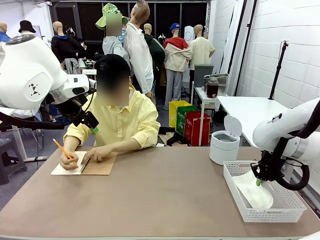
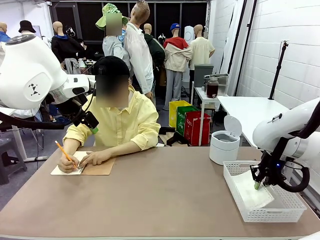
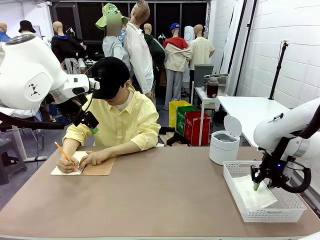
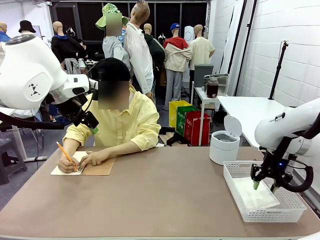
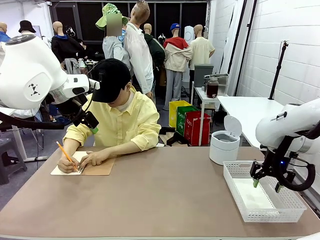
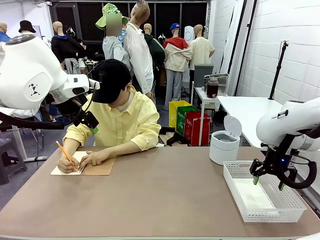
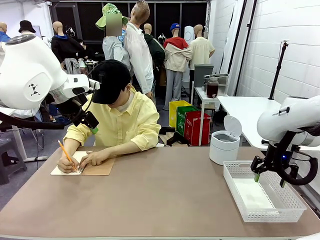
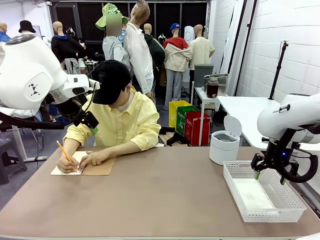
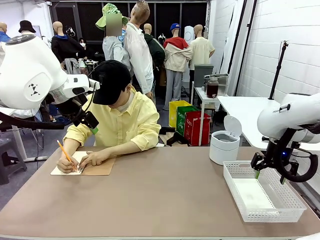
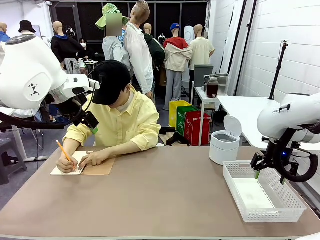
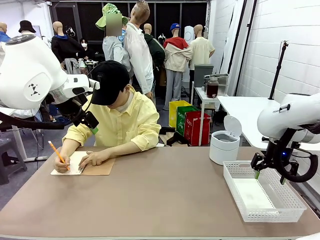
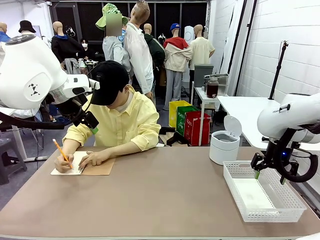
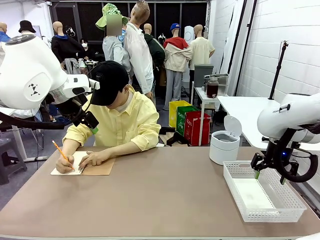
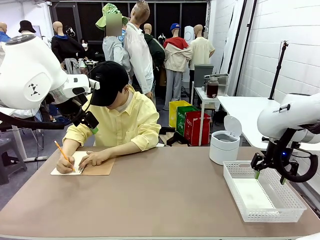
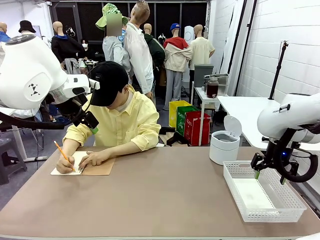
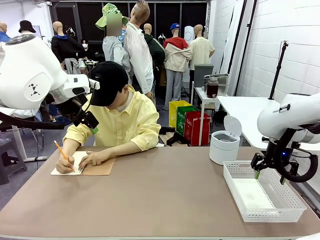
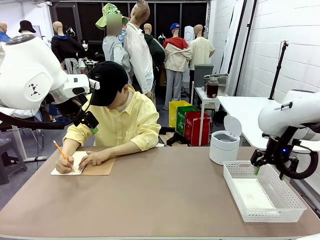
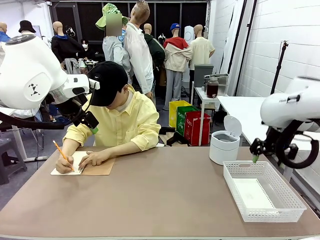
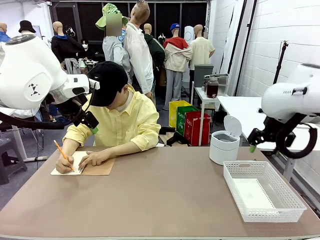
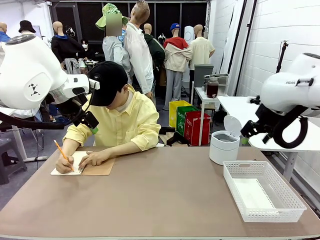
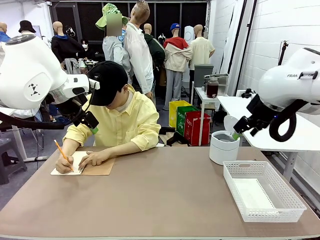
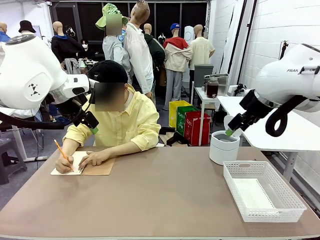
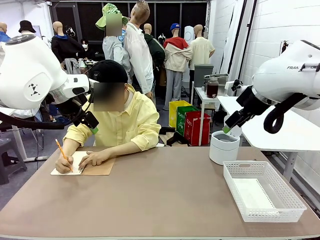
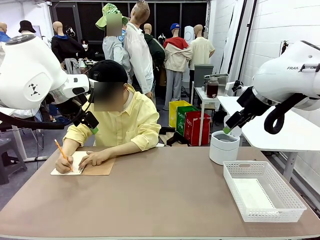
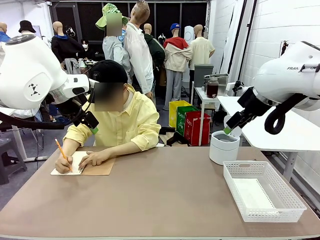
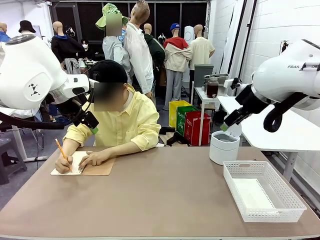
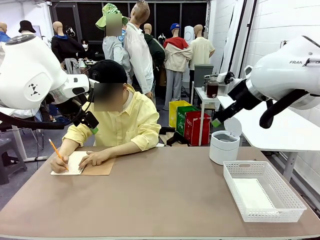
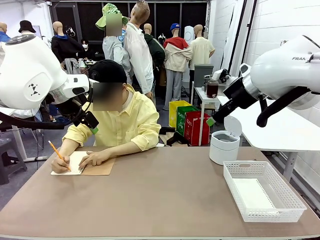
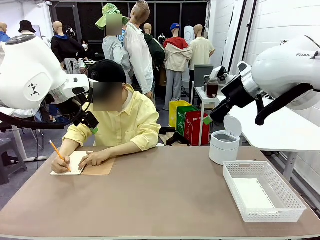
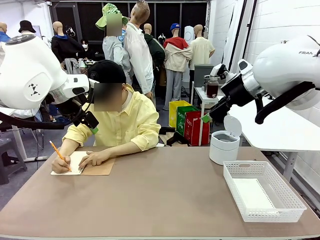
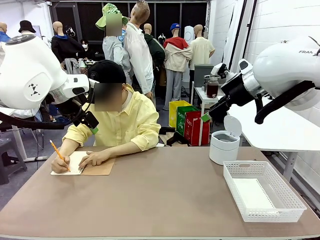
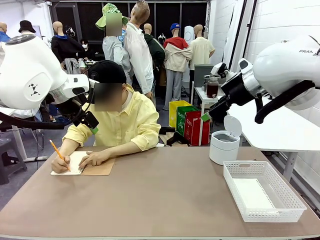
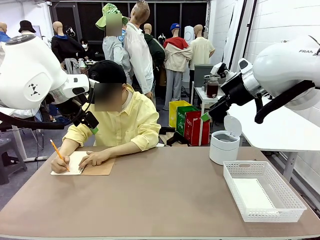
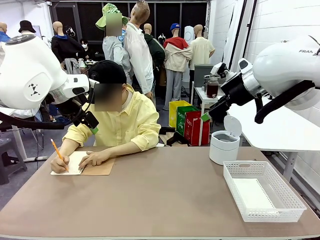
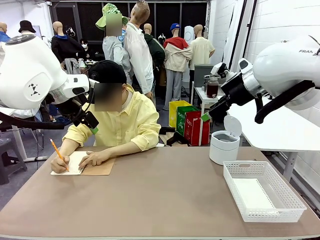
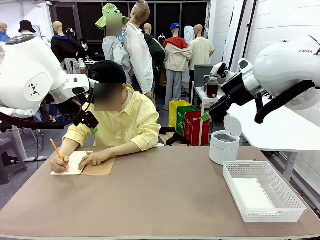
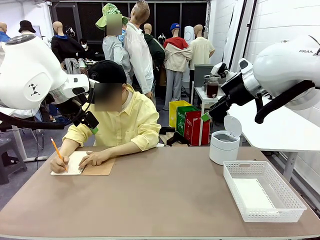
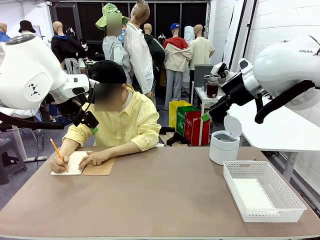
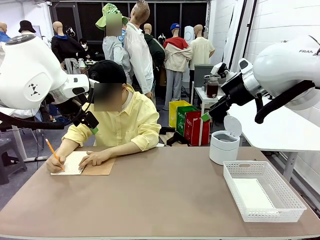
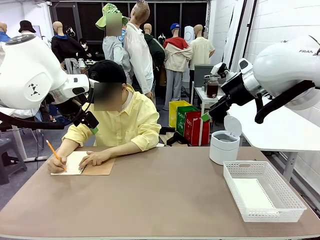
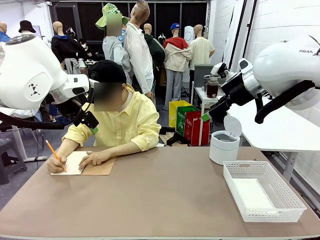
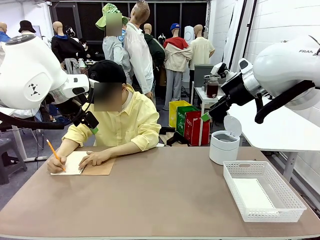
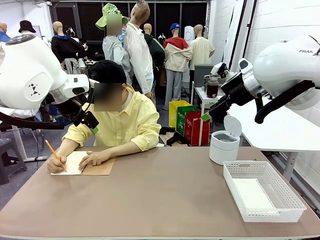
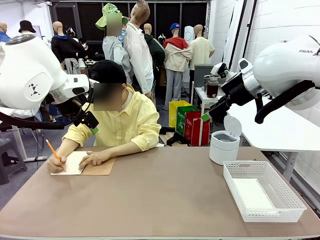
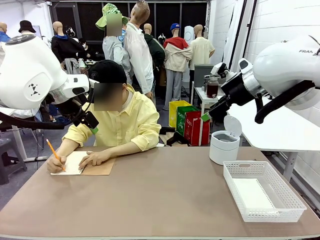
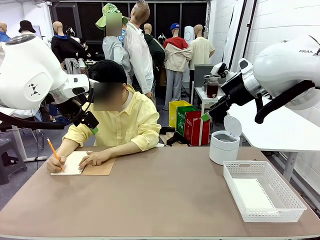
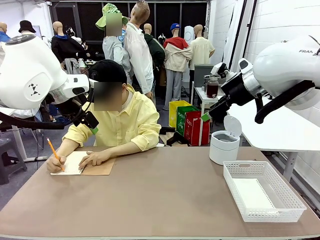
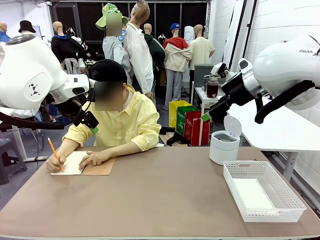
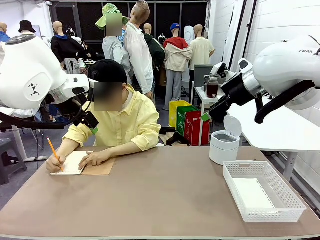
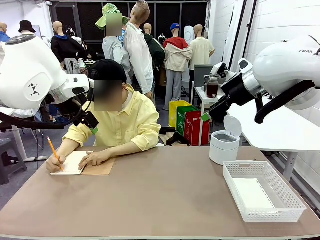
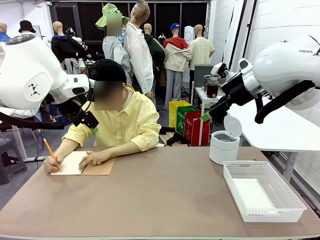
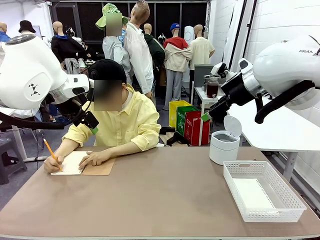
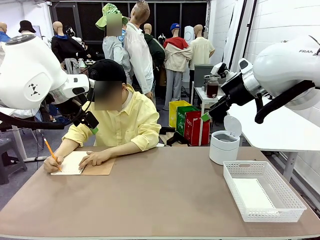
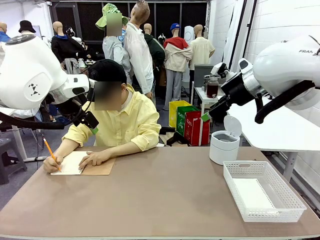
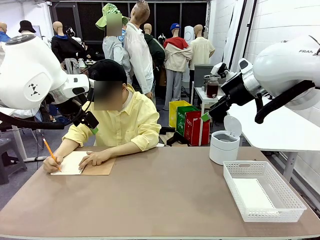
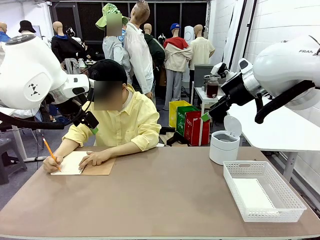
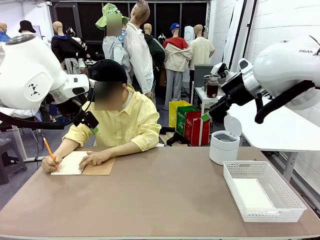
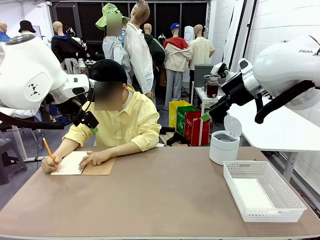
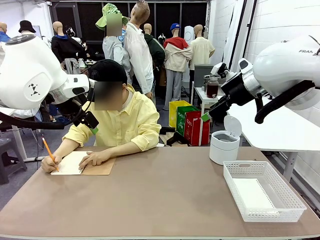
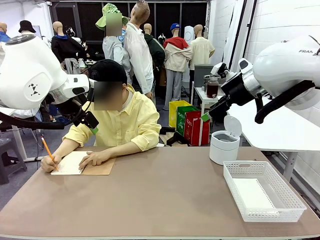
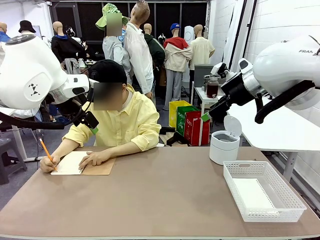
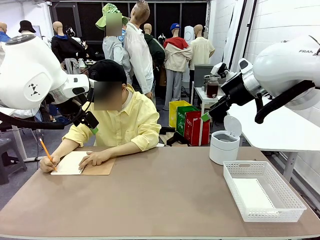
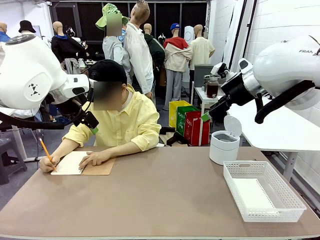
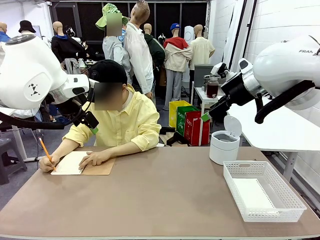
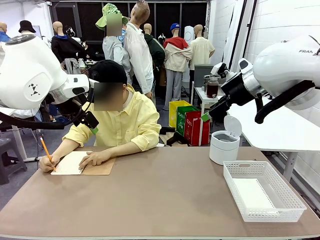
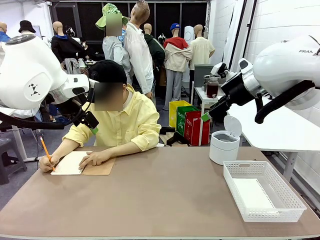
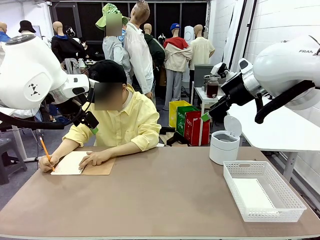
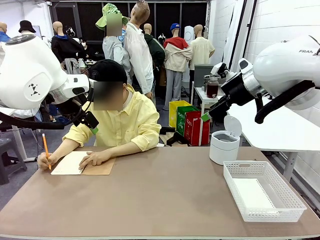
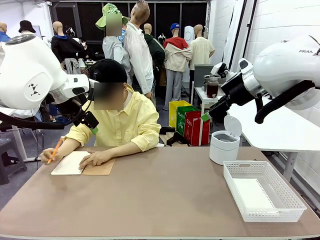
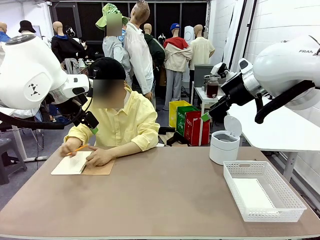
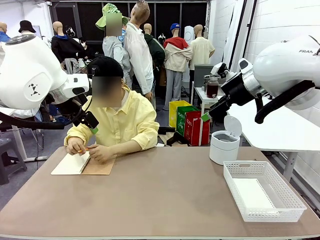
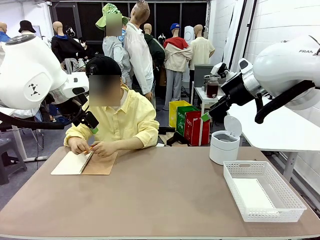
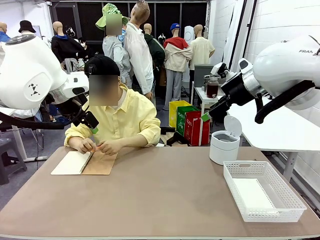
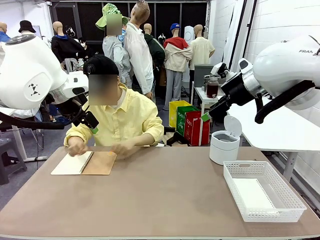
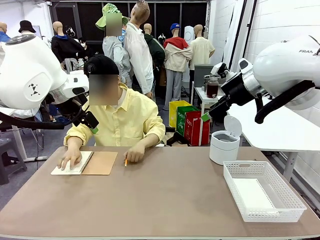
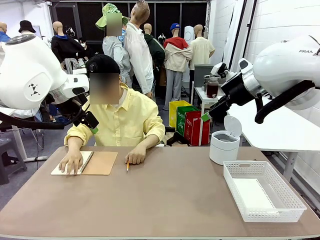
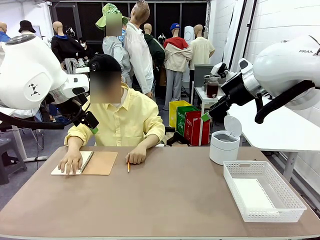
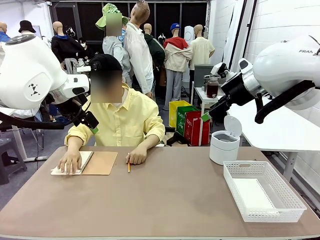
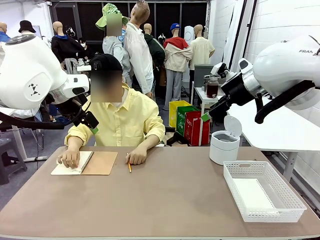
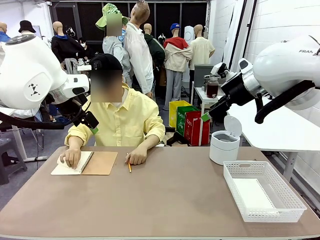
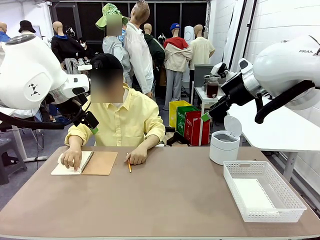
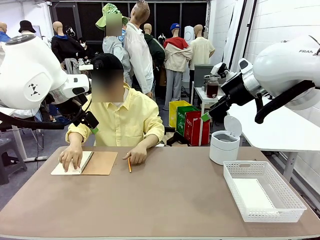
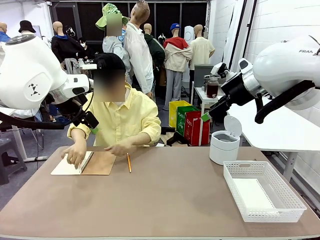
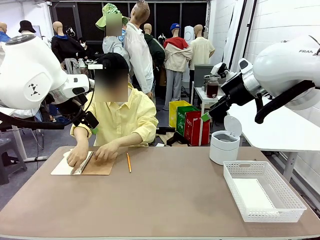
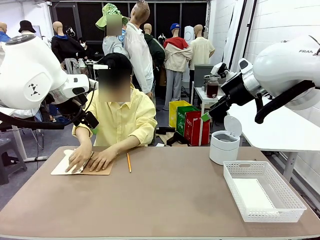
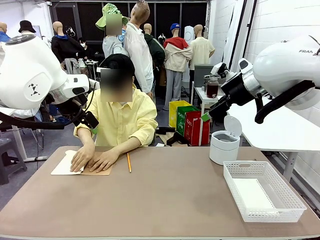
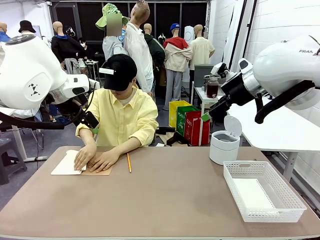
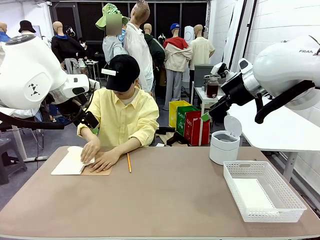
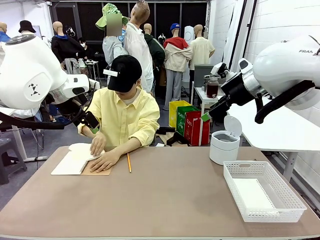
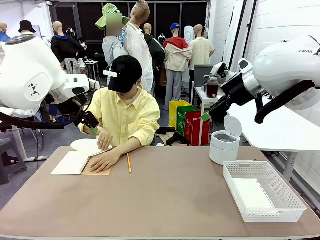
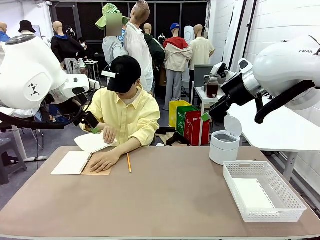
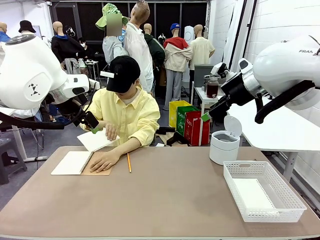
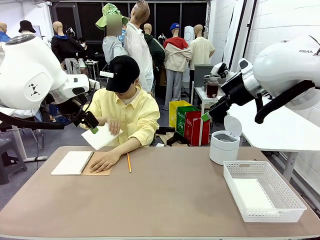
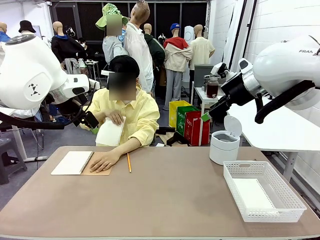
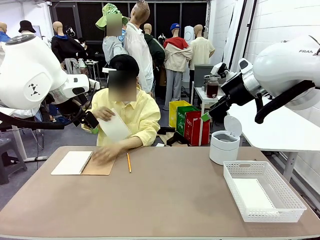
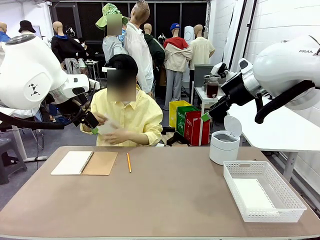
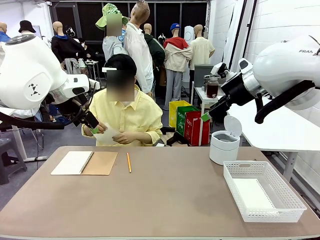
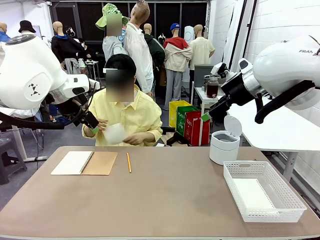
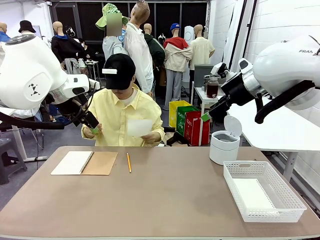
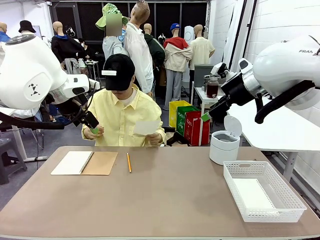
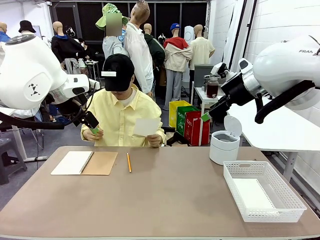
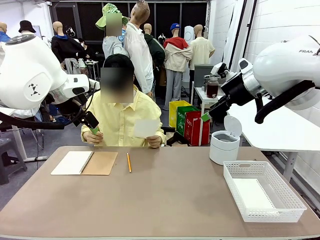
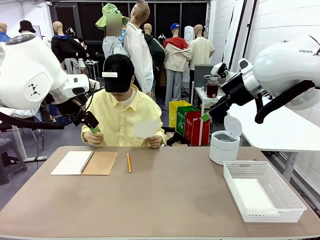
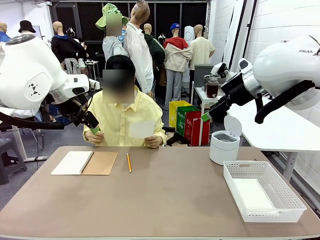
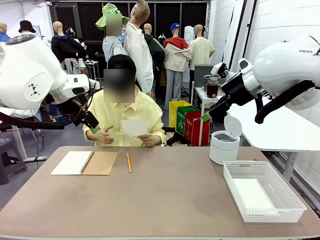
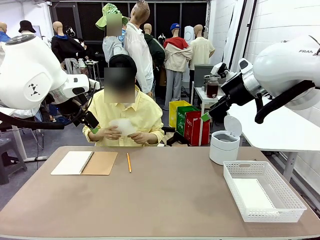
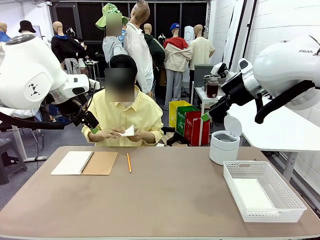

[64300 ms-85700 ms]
Task: Sort the paper based on its condition.
Robot: If a person hands you a paper, place it in the Organizing basket , and if it's crumpled, put it in the Trash can.
Person: Tear out a page from the spiral notebook.
